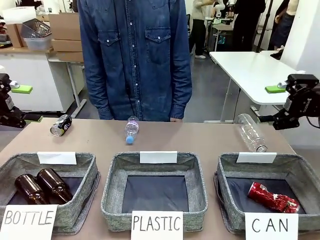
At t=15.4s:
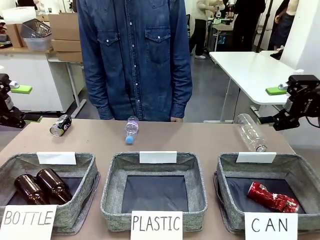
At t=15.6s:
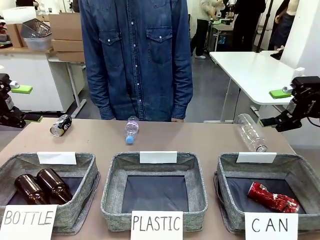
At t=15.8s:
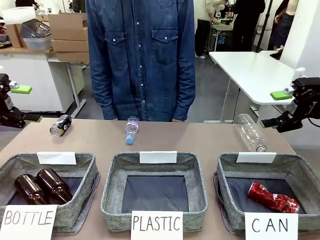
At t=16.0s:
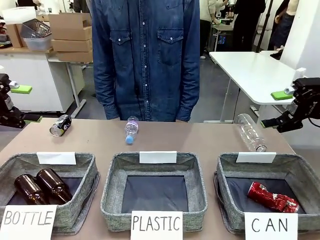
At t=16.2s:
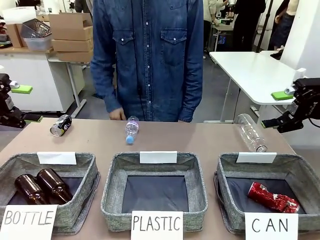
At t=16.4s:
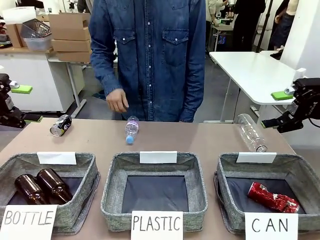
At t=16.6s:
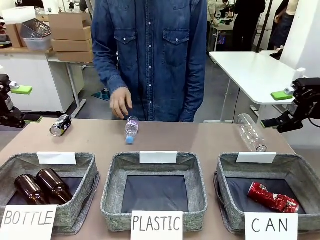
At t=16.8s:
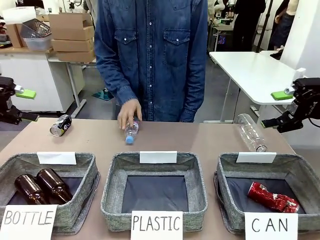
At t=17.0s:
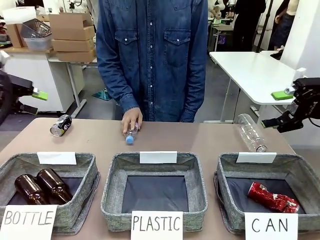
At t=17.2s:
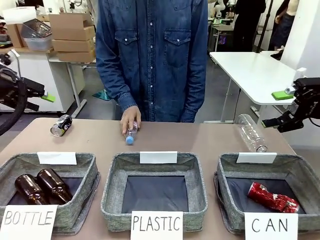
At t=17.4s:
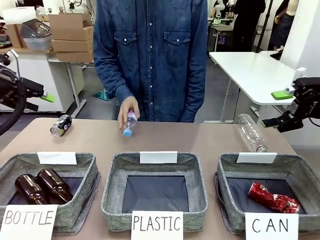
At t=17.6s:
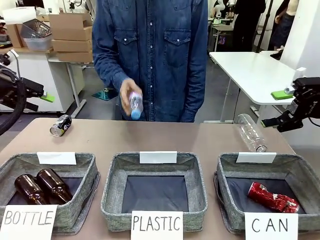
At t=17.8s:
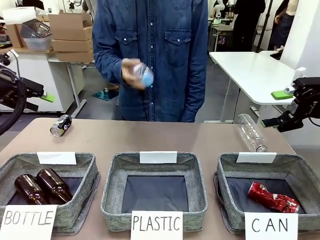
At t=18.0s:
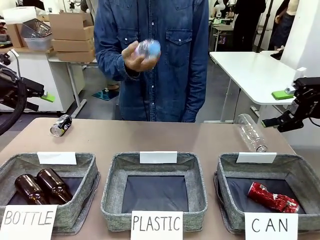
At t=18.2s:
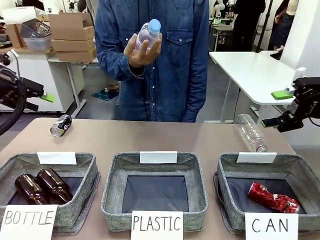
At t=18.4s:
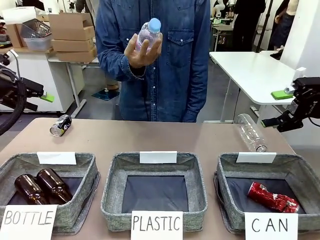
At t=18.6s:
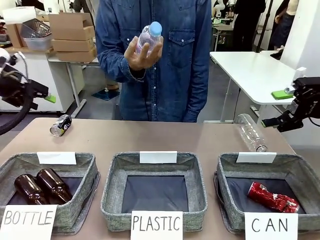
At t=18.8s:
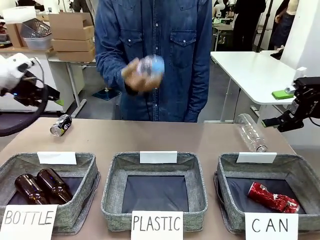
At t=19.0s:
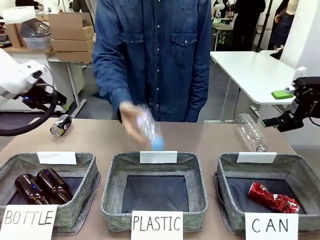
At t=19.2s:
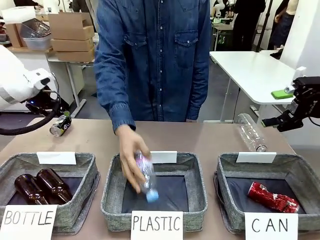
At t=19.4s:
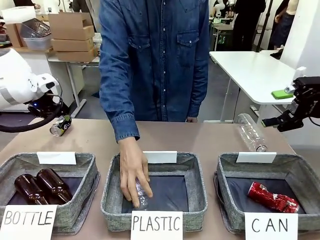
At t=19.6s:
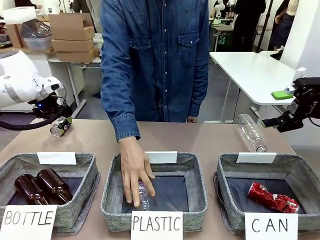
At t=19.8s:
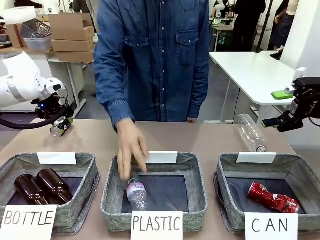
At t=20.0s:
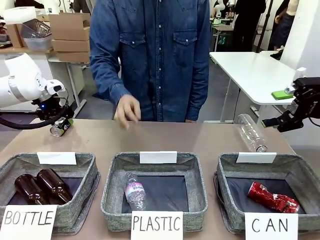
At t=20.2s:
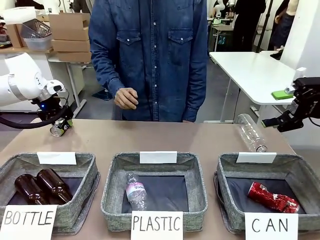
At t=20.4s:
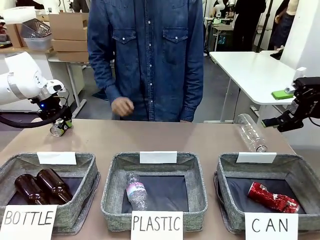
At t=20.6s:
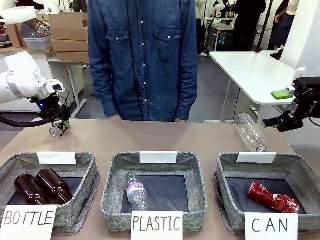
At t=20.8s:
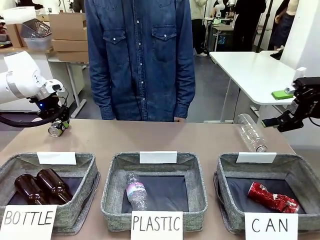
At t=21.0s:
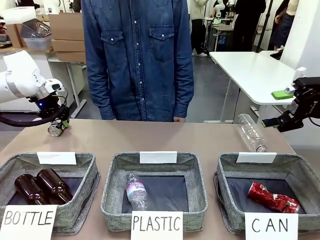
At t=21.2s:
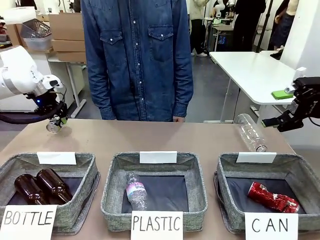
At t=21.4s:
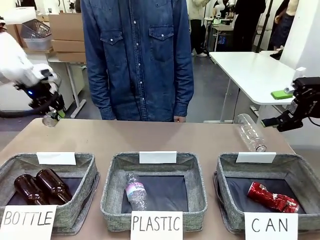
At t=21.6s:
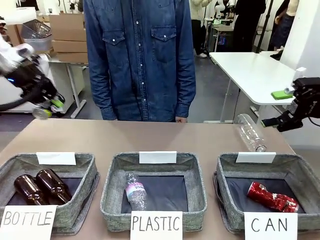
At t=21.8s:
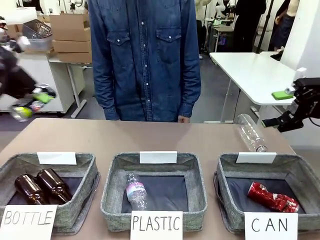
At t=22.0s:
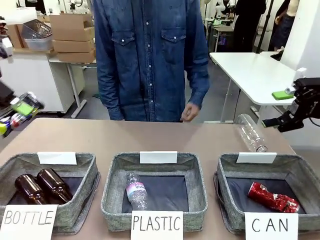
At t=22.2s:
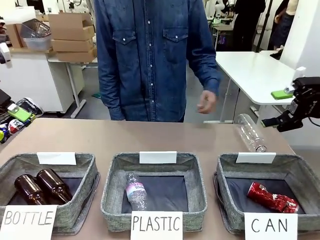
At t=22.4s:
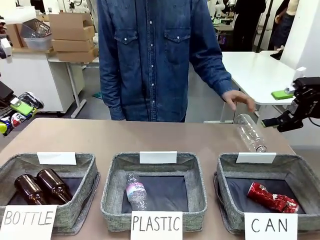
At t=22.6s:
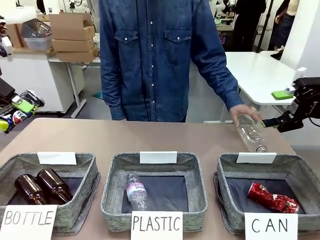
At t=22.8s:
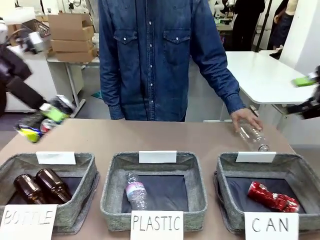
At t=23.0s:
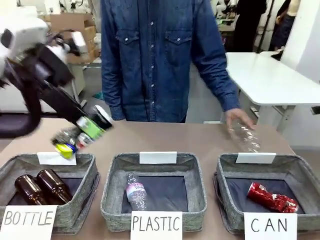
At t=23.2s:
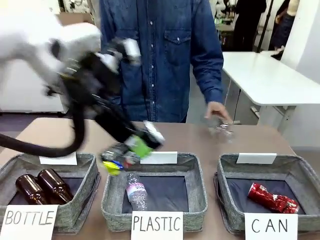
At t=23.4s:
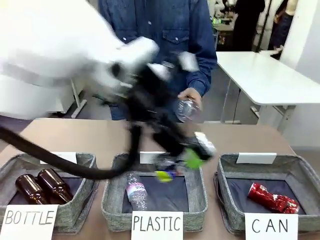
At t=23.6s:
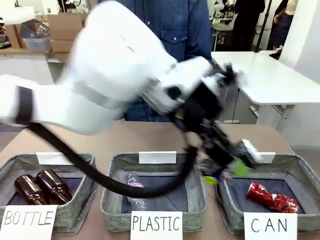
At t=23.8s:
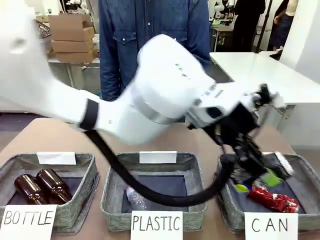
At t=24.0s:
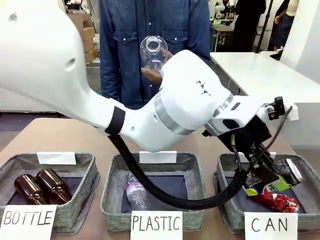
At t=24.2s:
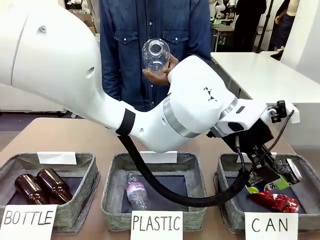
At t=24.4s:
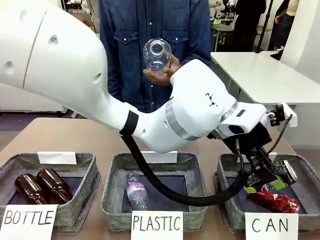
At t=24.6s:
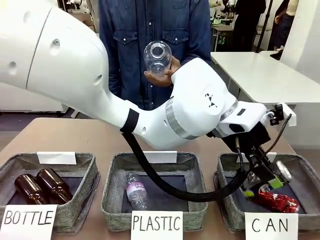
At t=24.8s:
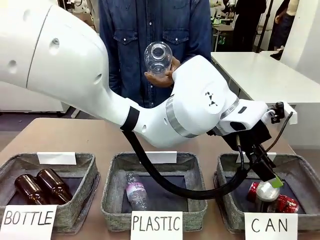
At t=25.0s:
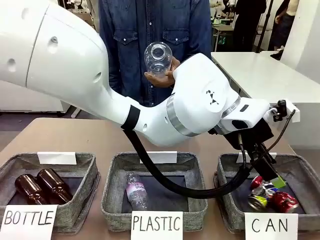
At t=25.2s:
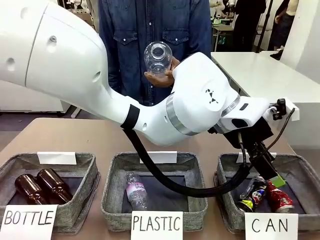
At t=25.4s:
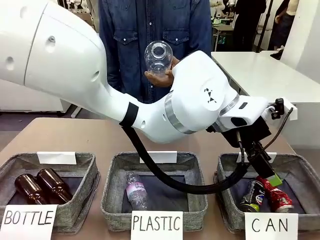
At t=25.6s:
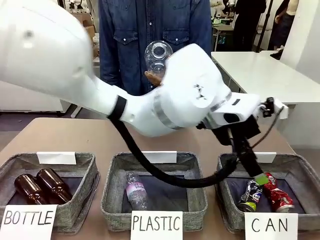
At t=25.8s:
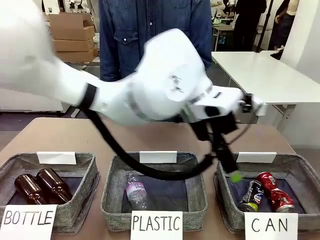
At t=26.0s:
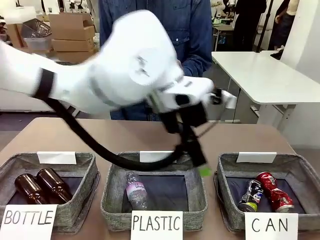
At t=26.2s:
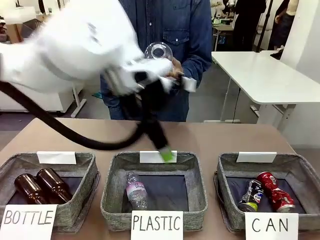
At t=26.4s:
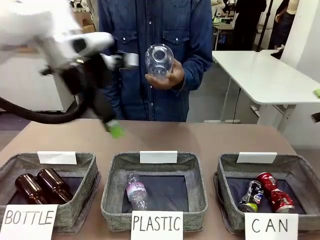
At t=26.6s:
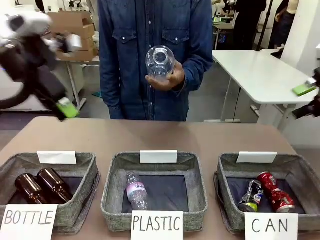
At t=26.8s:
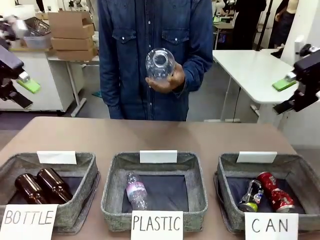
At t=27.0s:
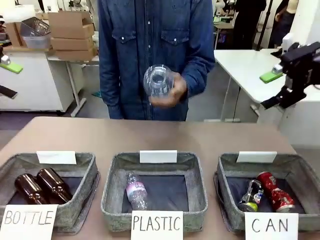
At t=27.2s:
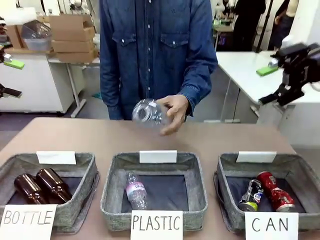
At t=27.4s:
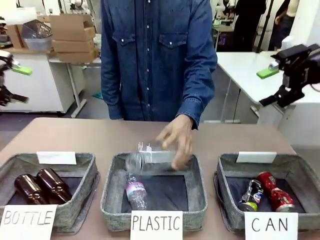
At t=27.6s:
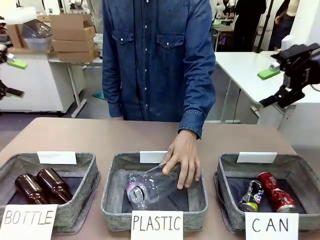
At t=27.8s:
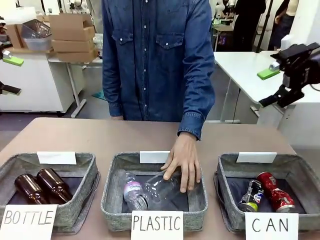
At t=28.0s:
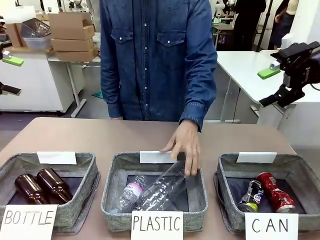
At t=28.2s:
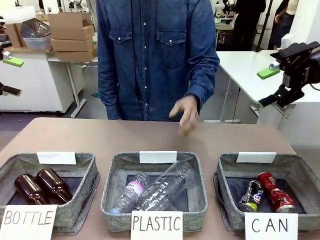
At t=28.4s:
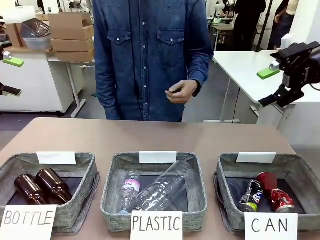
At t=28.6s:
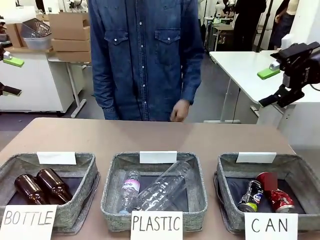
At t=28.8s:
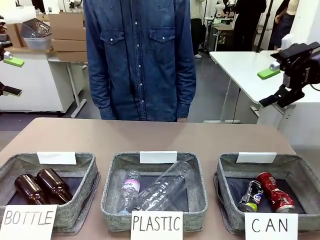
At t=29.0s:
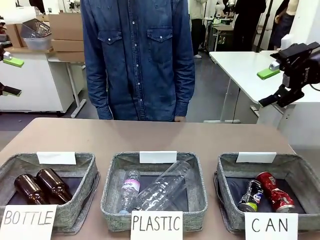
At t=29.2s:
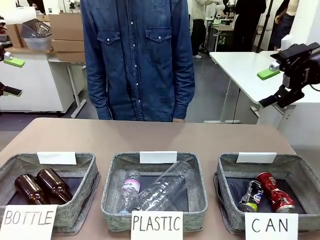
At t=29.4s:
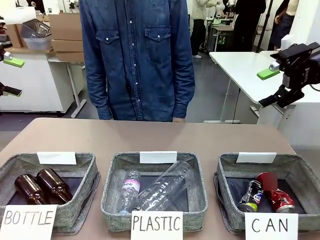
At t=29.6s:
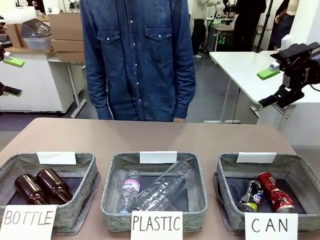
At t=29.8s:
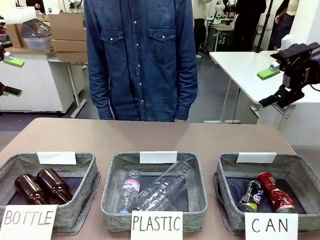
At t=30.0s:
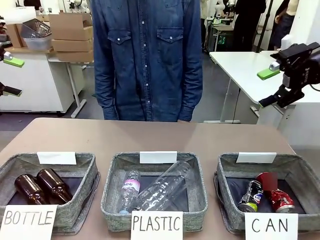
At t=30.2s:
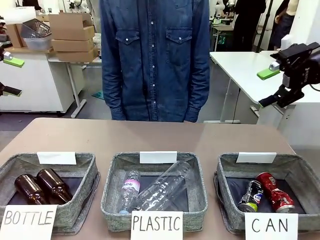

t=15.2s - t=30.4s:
Task: Sort the can waste into the basket.
Robot: Pick up the can waste from the table and place it in the right Fabric basket.

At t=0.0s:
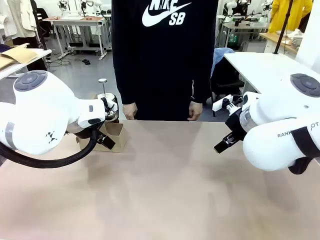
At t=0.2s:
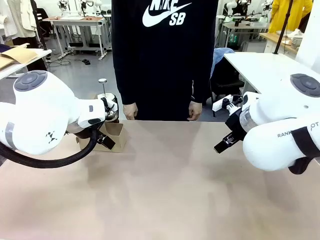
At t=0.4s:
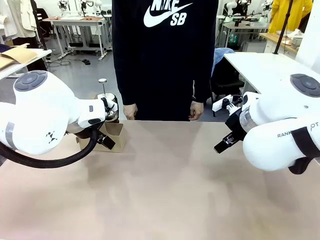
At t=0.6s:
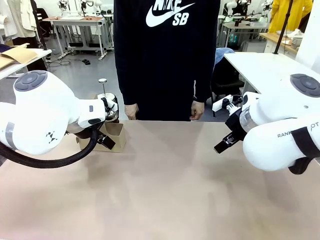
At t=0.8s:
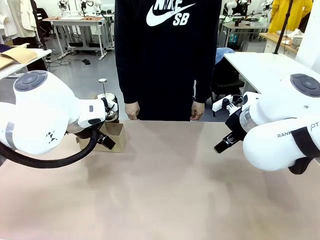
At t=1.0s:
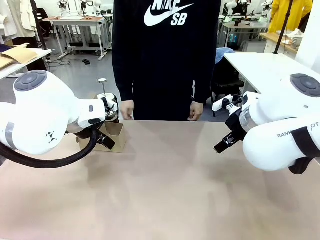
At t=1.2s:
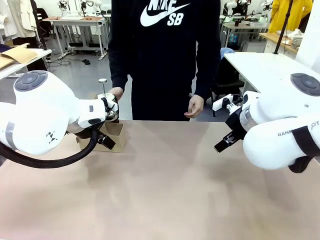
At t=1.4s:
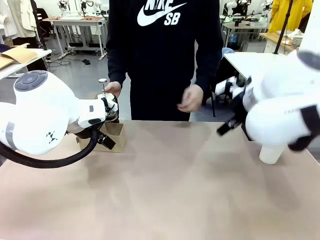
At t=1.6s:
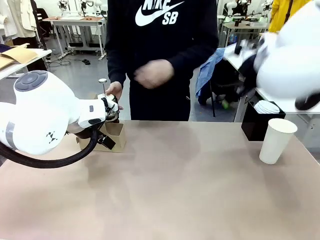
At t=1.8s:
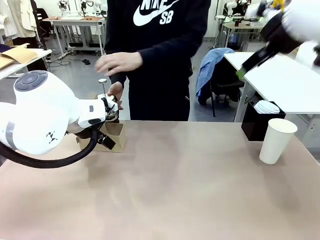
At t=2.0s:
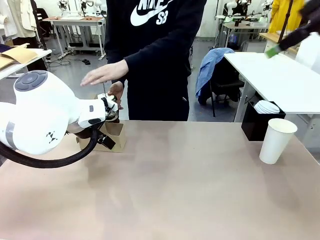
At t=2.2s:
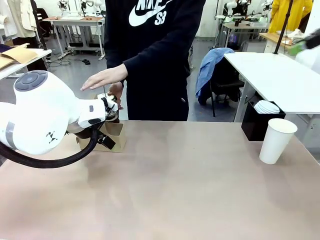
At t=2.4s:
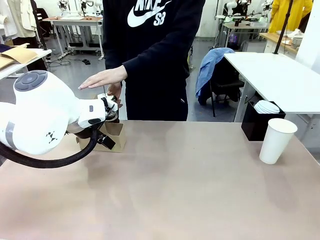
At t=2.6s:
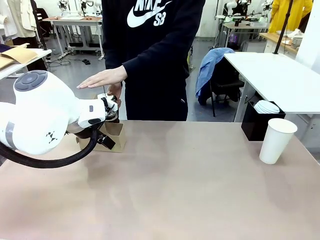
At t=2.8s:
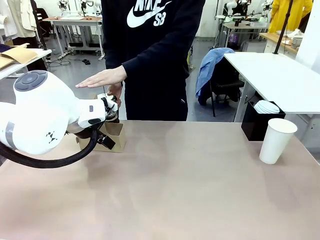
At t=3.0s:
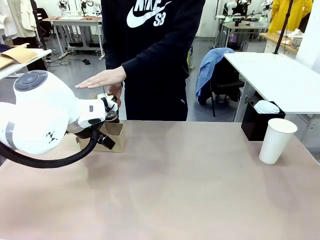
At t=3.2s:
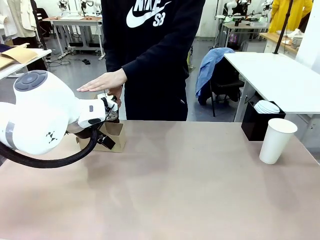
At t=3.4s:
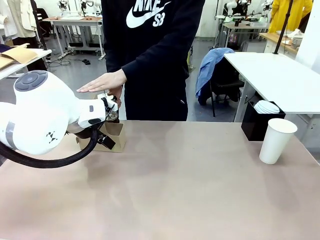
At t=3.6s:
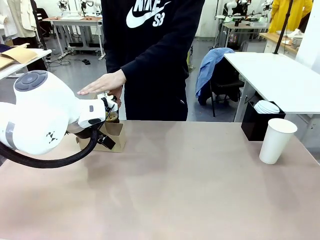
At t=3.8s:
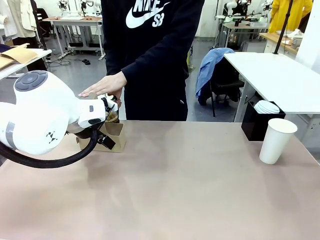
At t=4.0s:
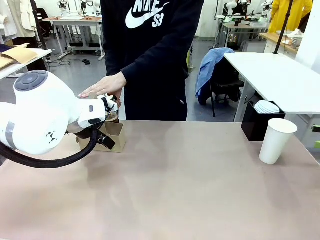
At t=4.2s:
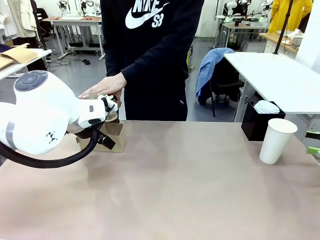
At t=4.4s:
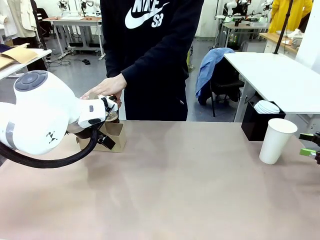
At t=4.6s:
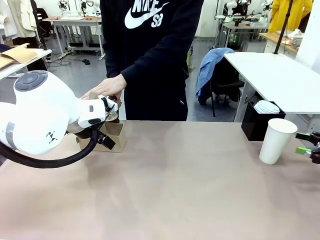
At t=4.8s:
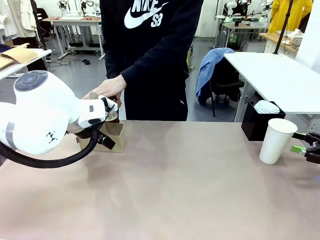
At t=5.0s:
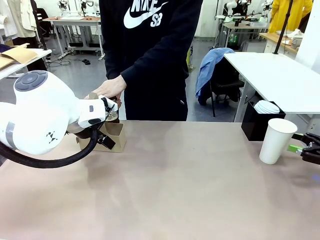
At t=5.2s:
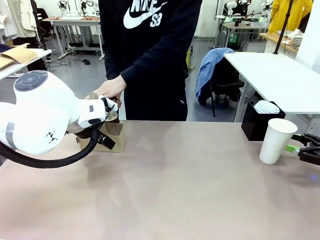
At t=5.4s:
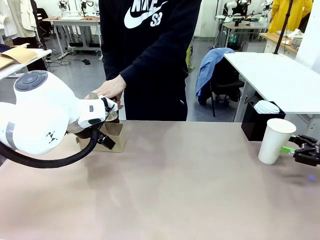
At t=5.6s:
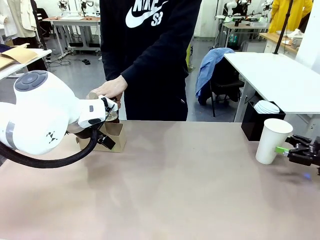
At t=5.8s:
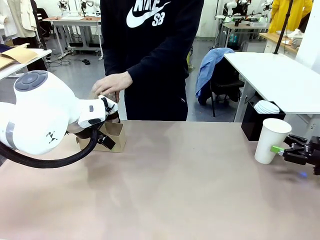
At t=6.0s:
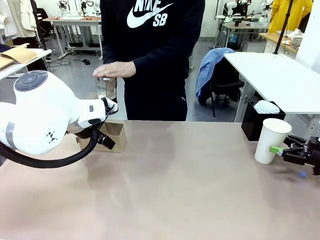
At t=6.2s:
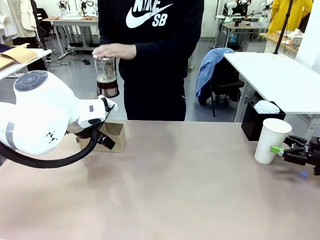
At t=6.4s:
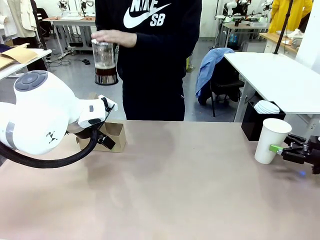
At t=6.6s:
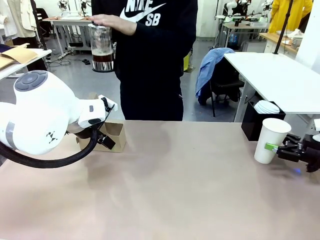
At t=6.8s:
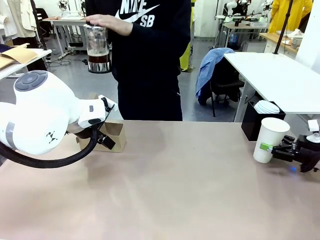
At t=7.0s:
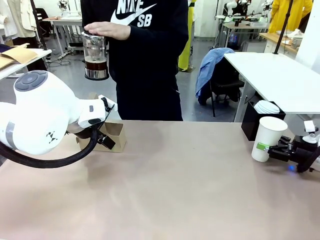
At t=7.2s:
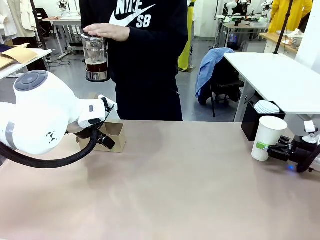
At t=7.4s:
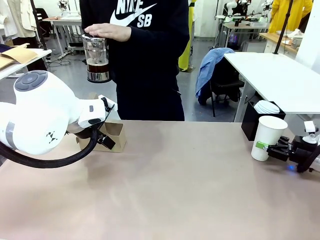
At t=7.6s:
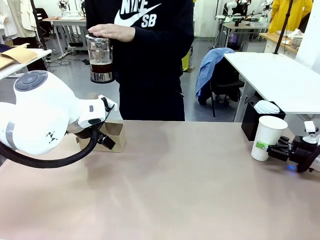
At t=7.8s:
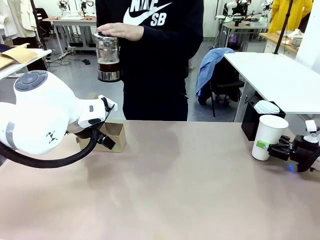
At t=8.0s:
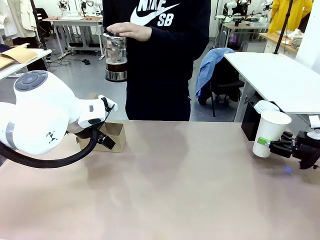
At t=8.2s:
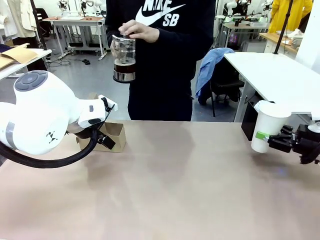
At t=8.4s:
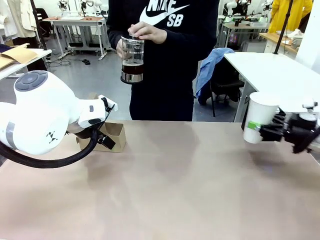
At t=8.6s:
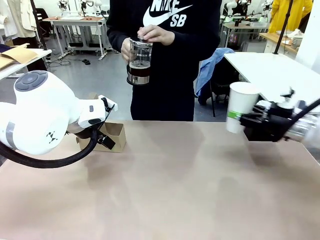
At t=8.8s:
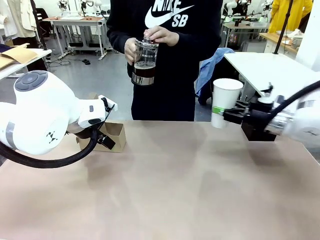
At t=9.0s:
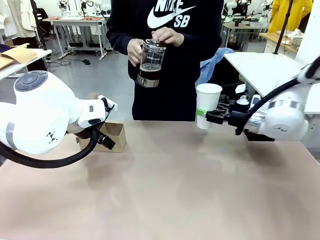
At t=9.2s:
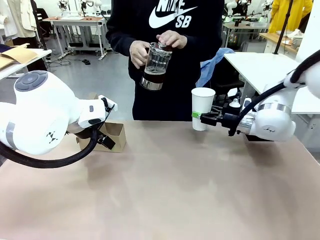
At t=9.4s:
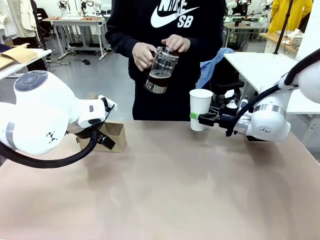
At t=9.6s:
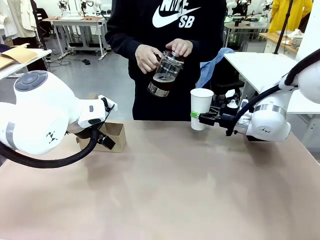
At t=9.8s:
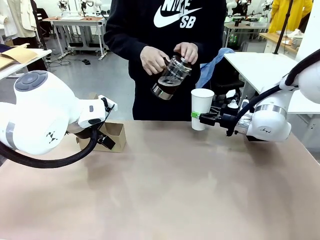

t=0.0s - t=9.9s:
Task: Pour a drink into a cup and package it in a carrier.
Robot: Pick up the 600 ml Paper Cup and place it in the middle top area of the table.
Person: Press and pick up the Filter Brewing.
